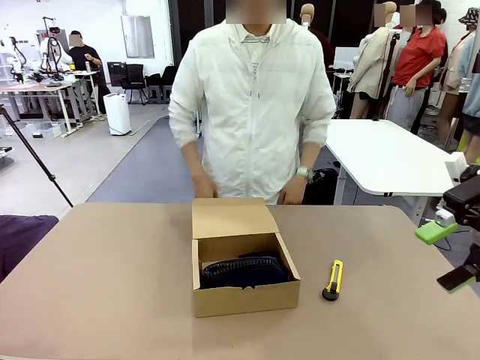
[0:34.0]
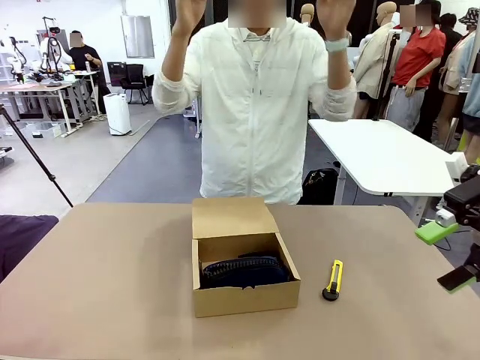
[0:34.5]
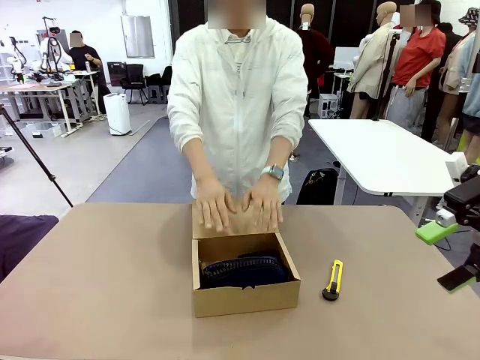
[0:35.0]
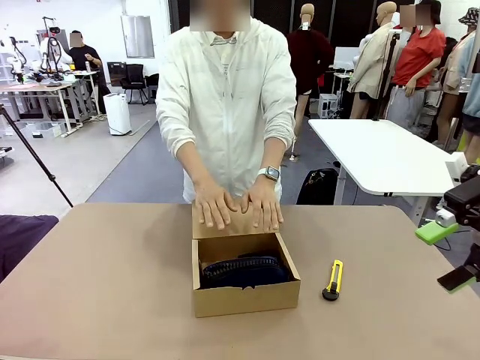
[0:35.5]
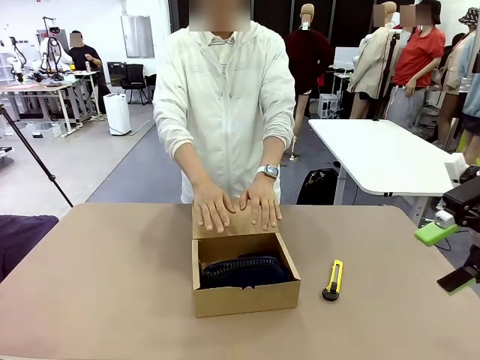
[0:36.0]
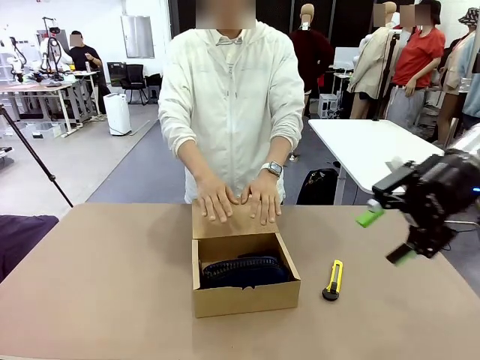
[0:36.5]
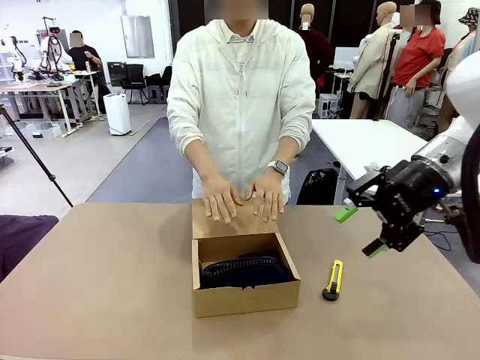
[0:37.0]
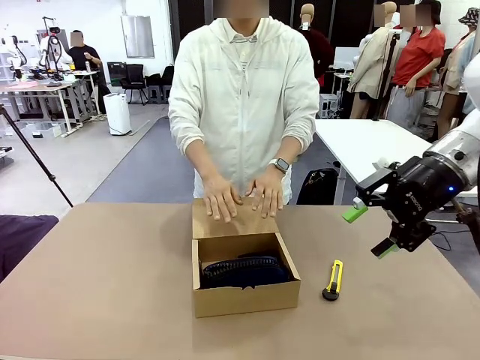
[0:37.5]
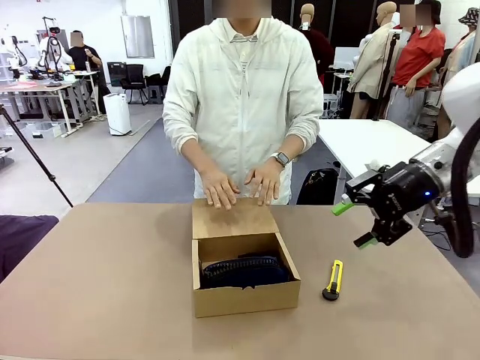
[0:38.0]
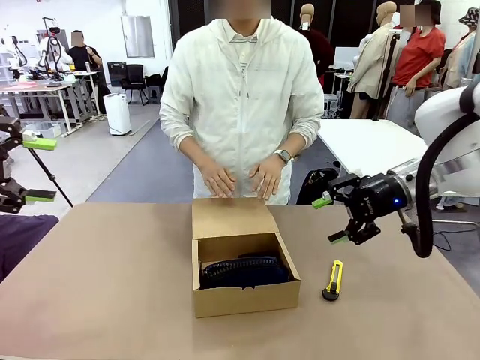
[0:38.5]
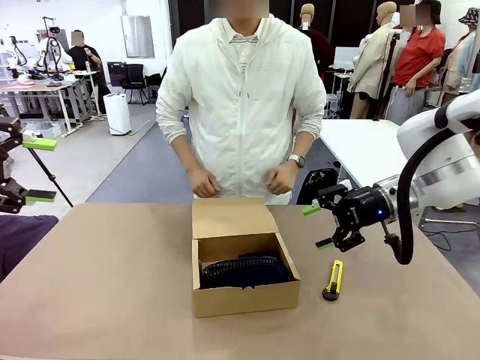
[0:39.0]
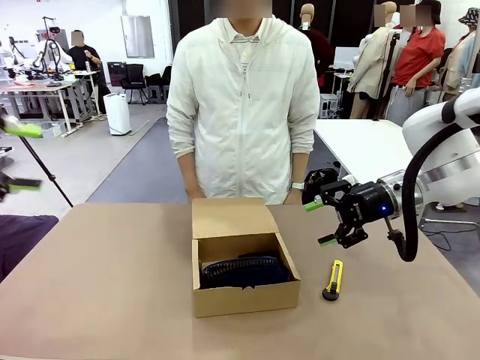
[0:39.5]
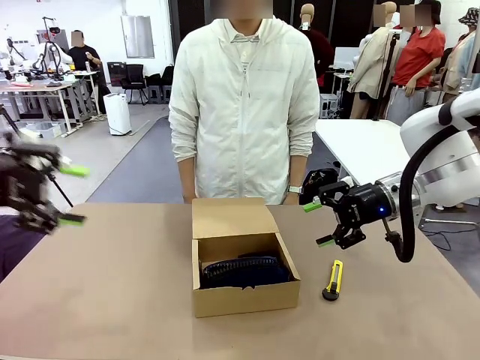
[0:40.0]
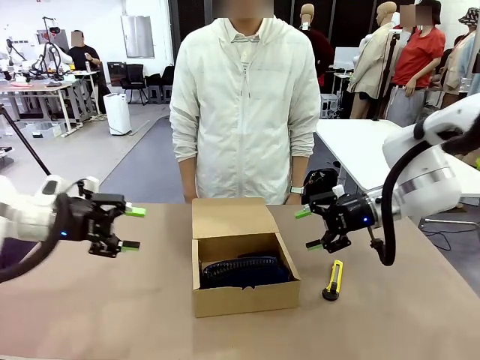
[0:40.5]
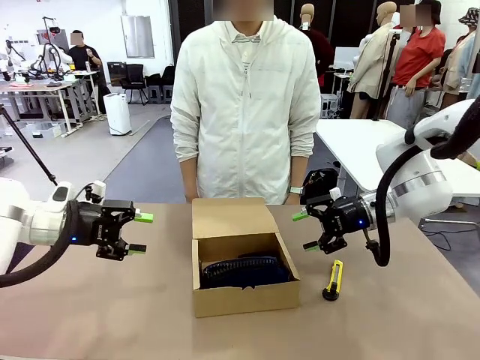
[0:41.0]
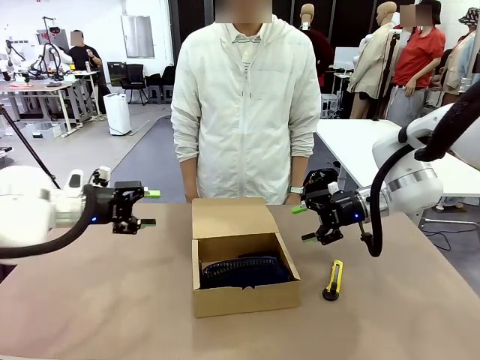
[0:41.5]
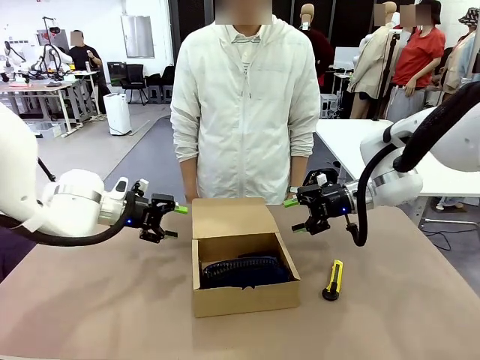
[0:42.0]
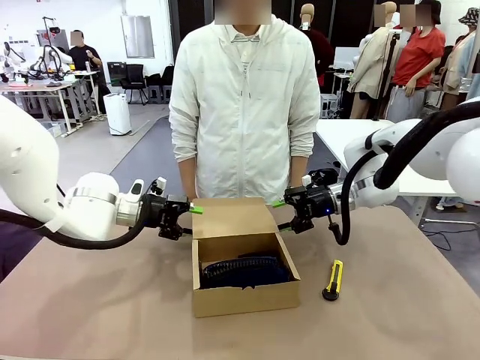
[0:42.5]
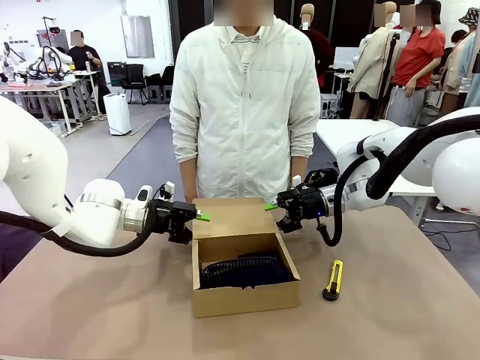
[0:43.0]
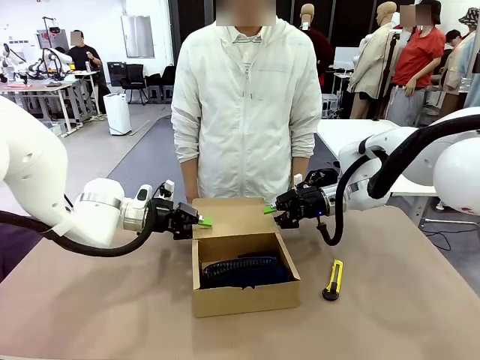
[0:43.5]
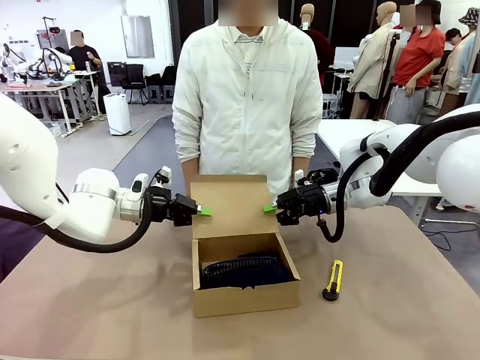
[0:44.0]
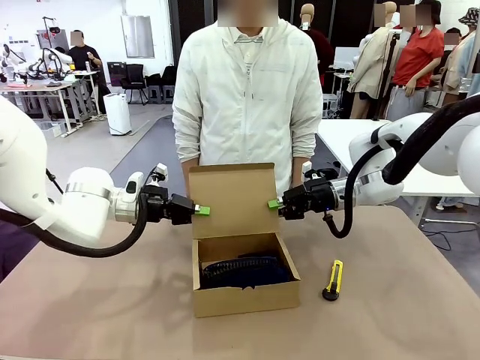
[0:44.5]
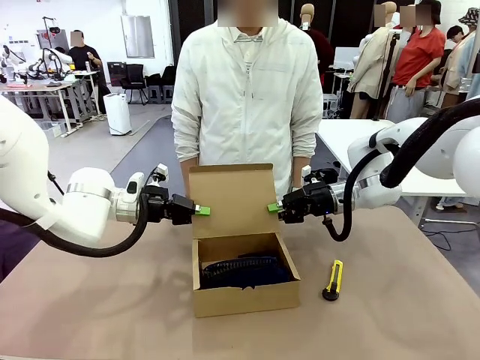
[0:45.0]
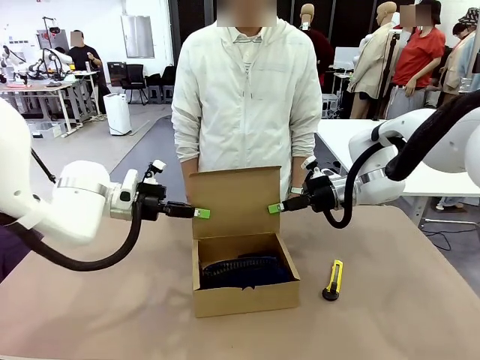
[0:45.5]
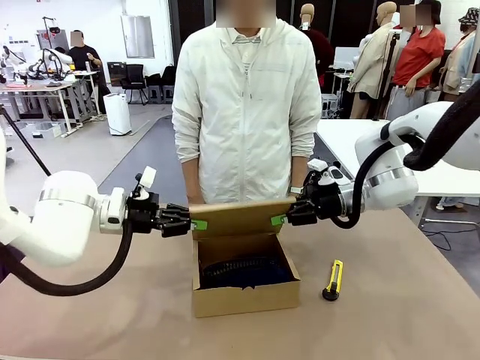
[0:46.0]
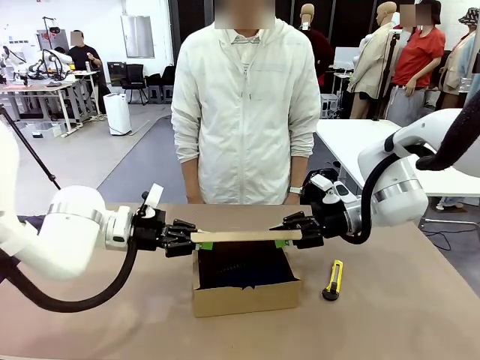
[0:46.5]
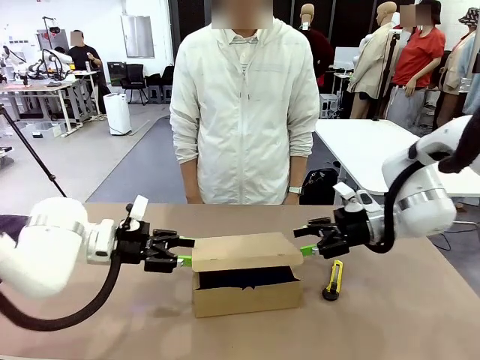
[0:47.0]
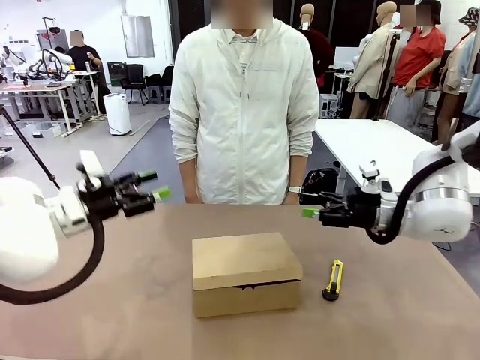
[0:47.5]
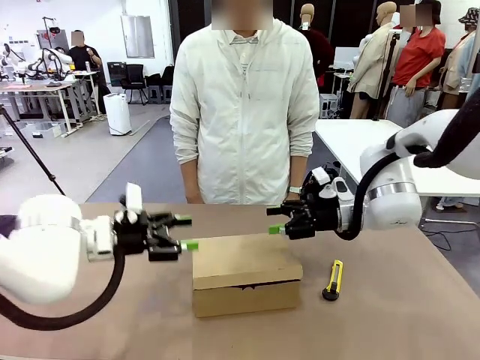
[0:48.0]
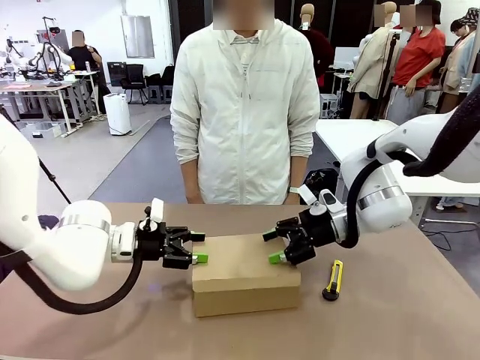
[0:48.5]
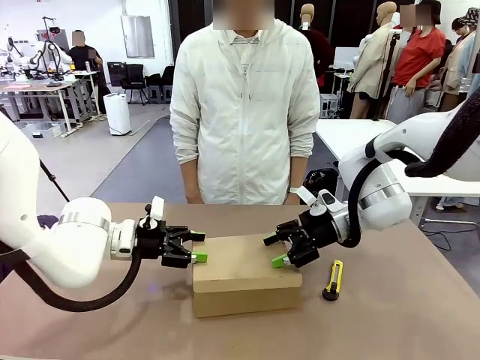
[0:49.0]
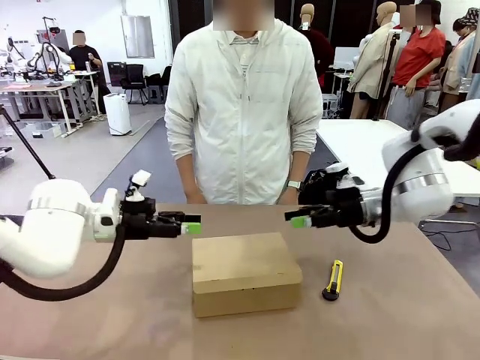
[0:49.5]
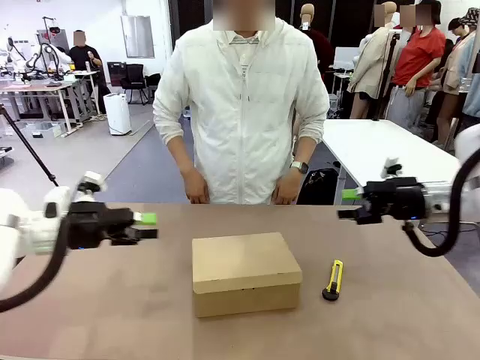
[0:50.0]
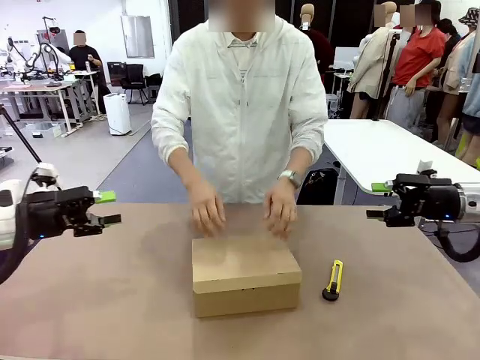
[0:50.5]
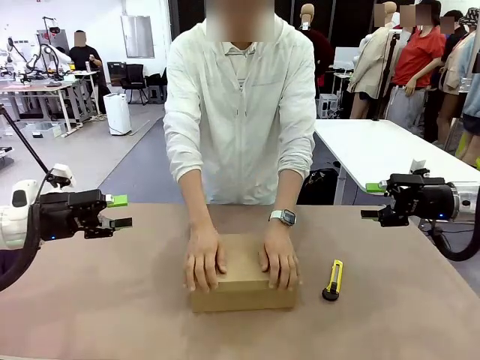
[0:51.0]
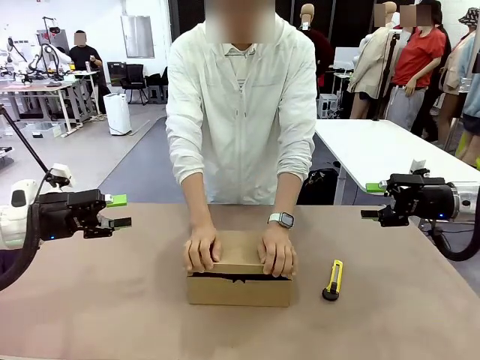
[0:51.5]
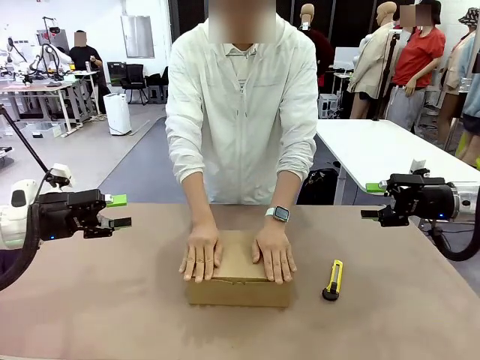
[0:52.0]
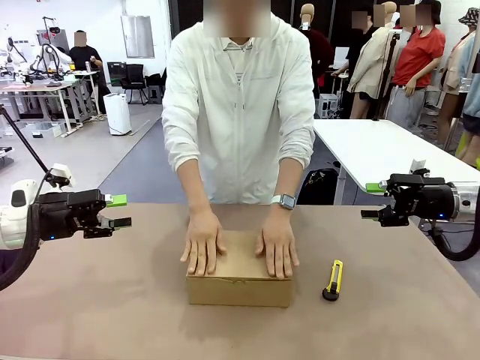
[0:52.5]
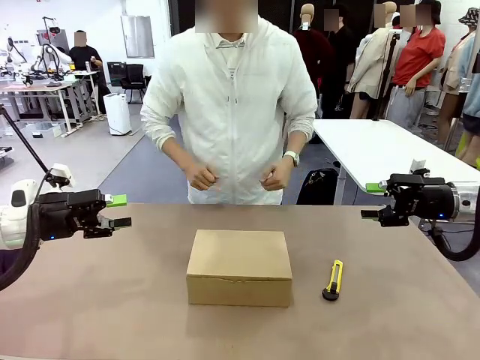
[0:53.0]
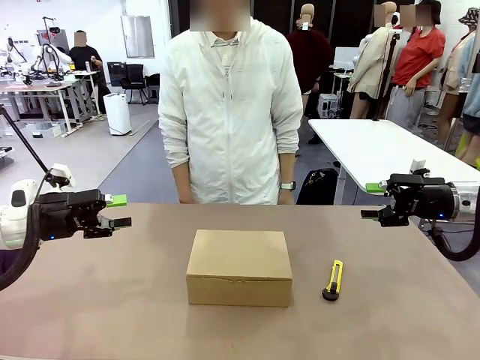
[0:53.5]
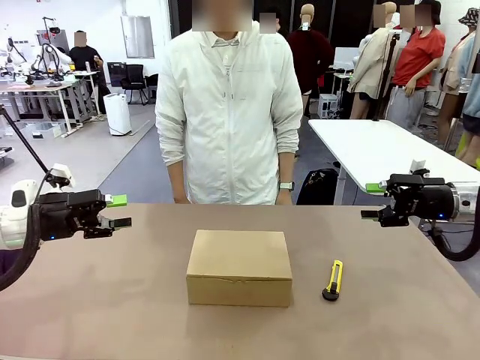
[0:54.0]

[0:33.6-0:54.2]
Task: Pack the items into the box.
Robot: Close the Mailer Box.
Person: Turn the box and lock it.
